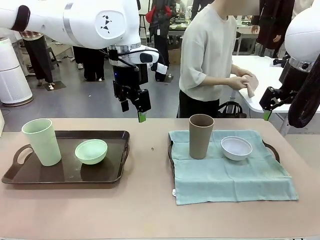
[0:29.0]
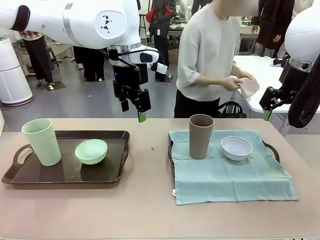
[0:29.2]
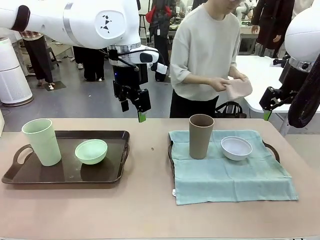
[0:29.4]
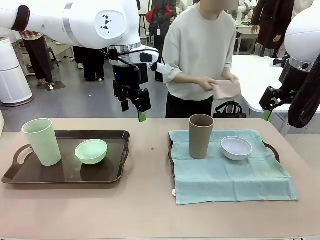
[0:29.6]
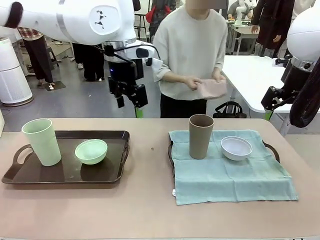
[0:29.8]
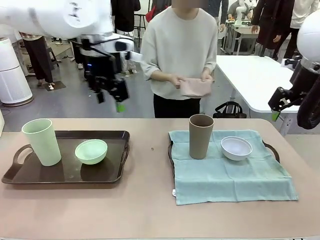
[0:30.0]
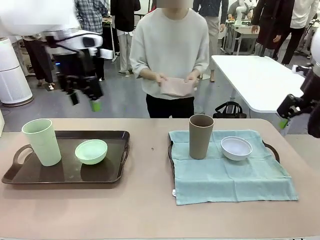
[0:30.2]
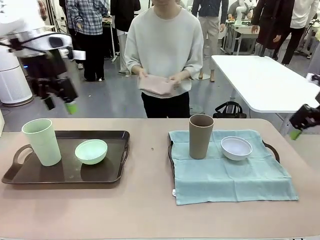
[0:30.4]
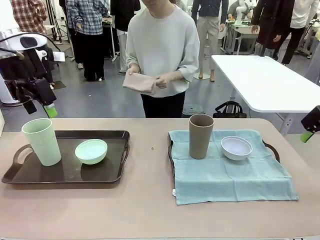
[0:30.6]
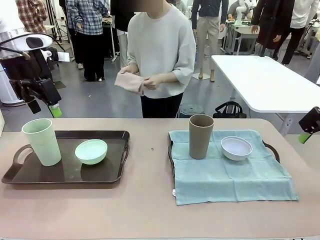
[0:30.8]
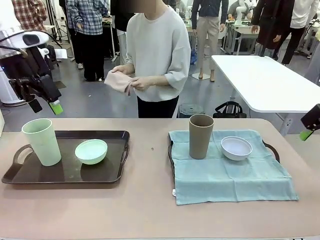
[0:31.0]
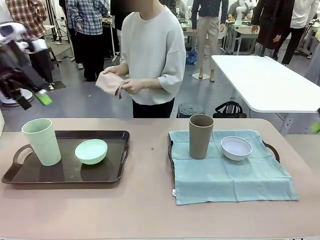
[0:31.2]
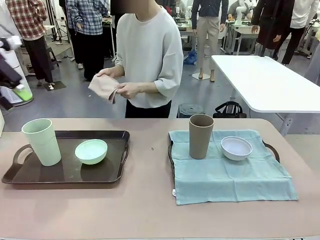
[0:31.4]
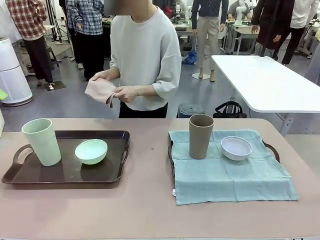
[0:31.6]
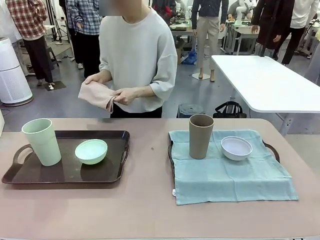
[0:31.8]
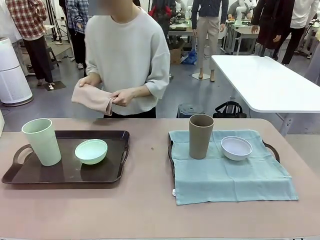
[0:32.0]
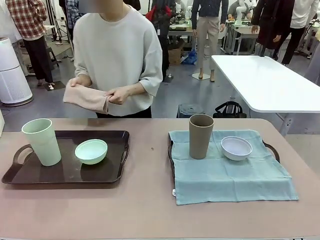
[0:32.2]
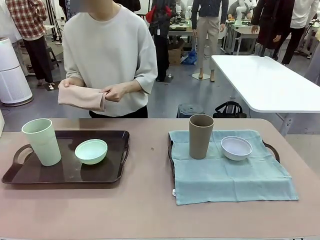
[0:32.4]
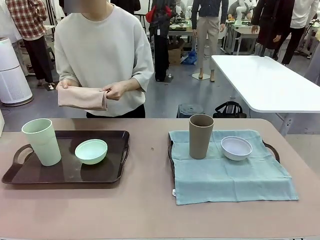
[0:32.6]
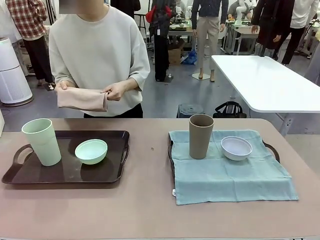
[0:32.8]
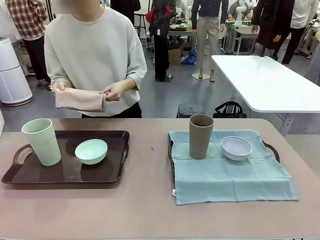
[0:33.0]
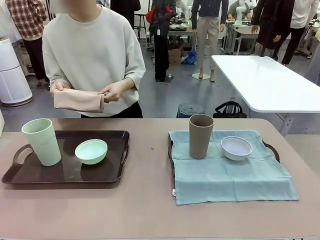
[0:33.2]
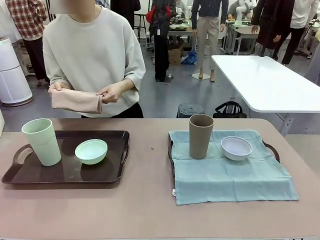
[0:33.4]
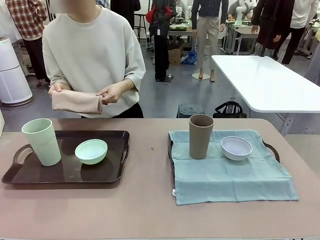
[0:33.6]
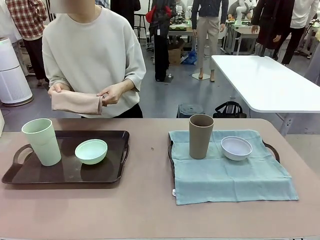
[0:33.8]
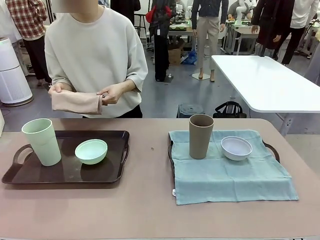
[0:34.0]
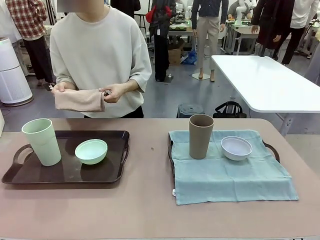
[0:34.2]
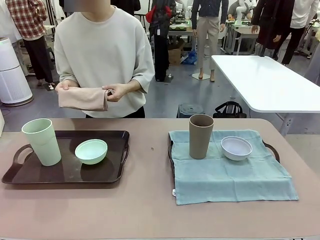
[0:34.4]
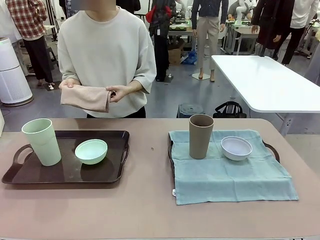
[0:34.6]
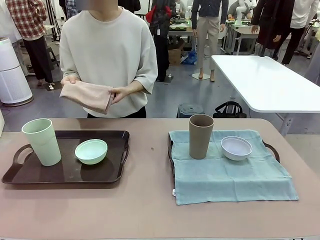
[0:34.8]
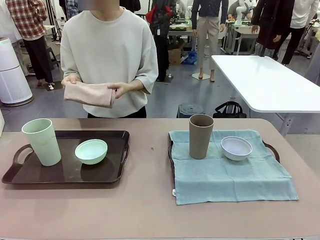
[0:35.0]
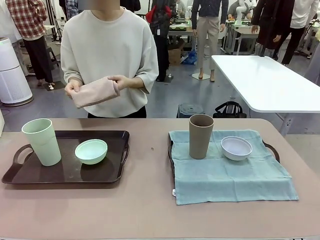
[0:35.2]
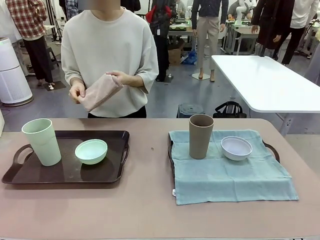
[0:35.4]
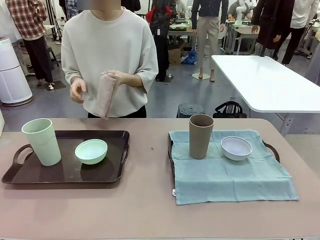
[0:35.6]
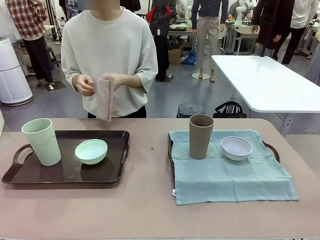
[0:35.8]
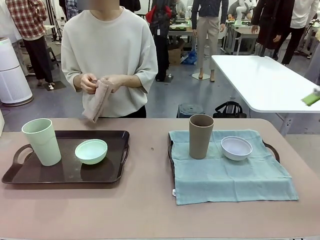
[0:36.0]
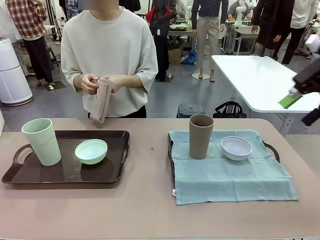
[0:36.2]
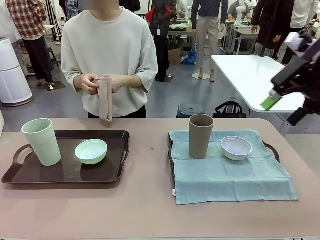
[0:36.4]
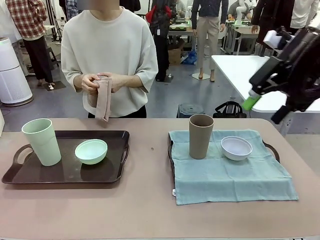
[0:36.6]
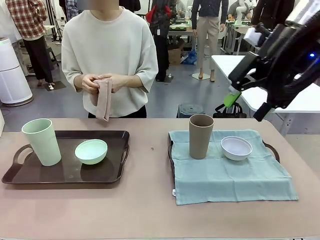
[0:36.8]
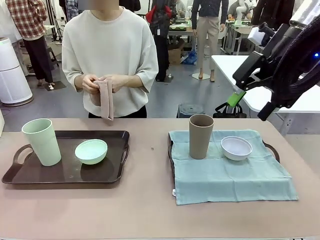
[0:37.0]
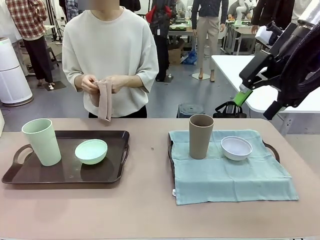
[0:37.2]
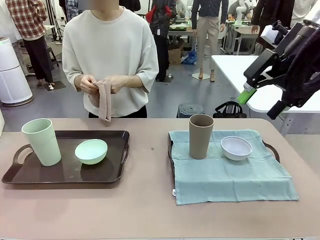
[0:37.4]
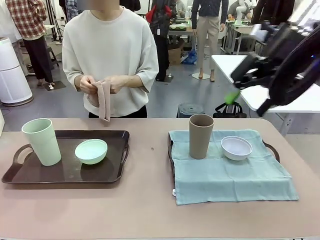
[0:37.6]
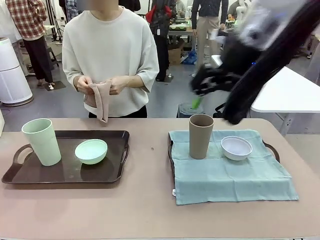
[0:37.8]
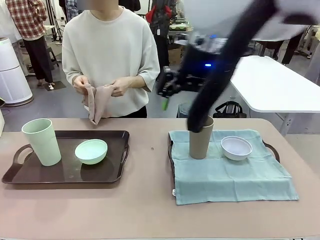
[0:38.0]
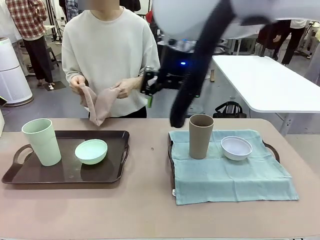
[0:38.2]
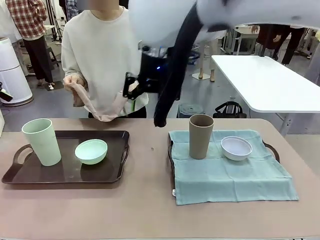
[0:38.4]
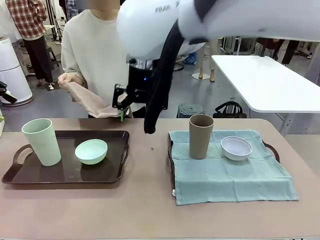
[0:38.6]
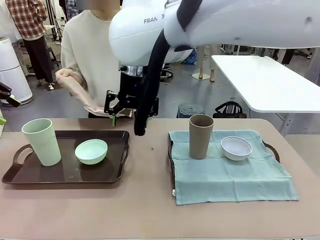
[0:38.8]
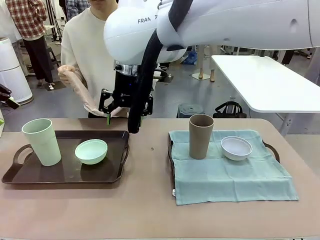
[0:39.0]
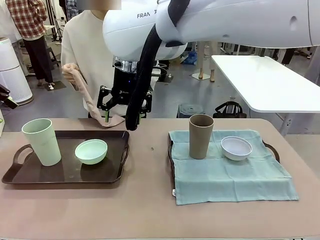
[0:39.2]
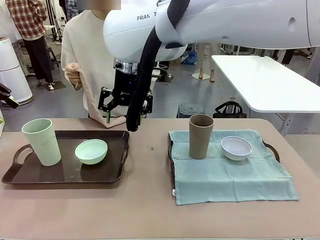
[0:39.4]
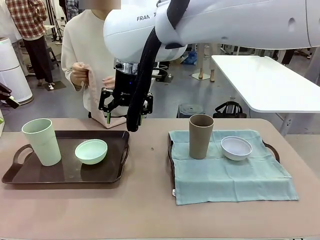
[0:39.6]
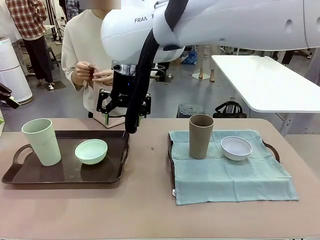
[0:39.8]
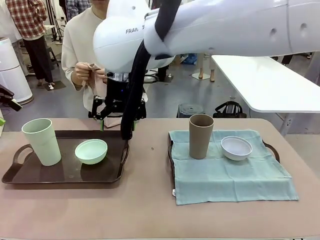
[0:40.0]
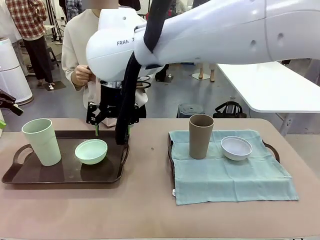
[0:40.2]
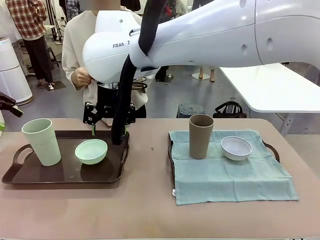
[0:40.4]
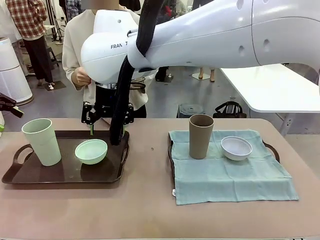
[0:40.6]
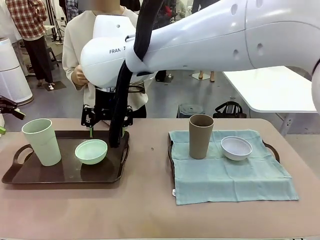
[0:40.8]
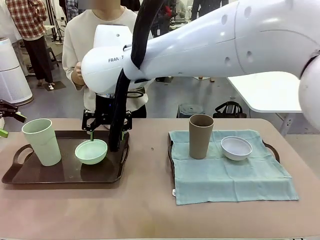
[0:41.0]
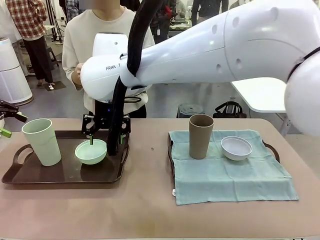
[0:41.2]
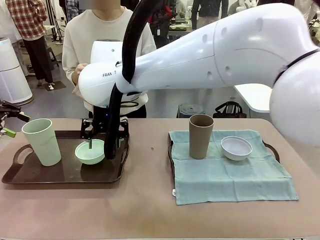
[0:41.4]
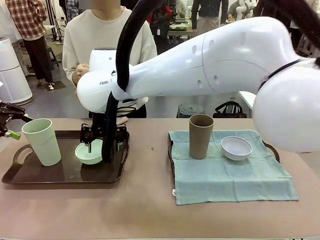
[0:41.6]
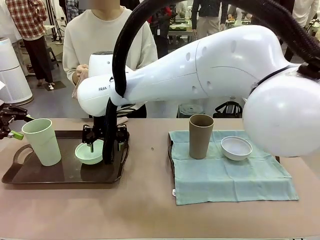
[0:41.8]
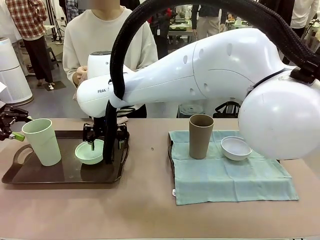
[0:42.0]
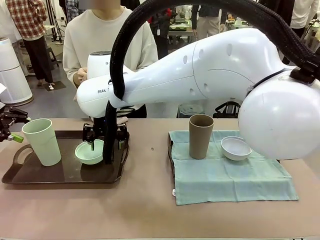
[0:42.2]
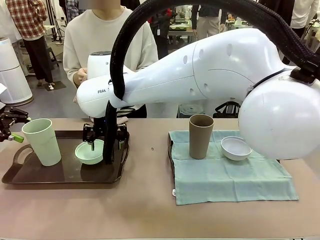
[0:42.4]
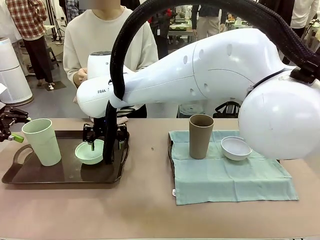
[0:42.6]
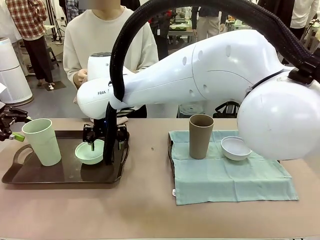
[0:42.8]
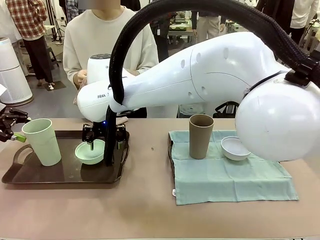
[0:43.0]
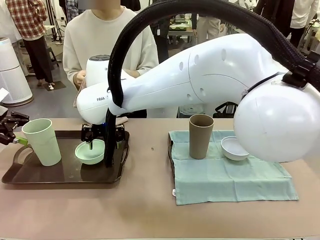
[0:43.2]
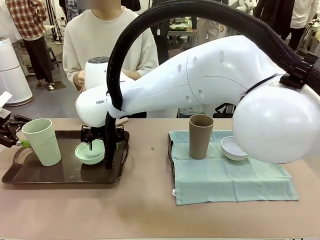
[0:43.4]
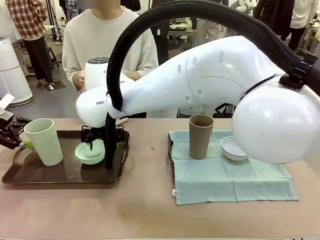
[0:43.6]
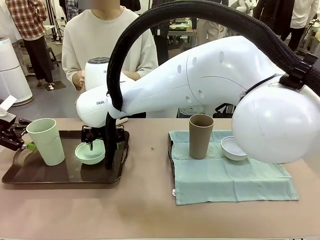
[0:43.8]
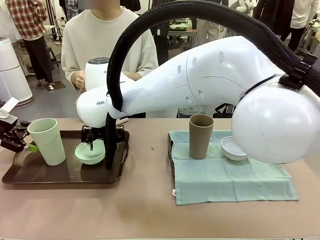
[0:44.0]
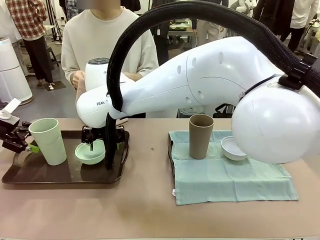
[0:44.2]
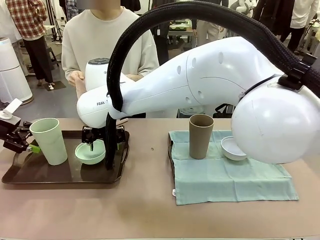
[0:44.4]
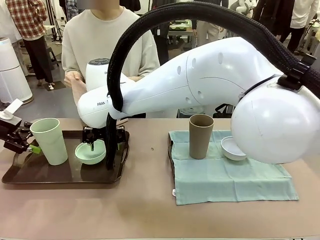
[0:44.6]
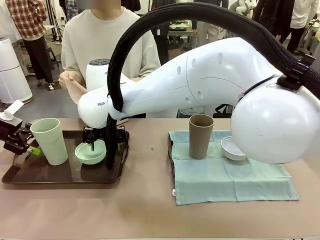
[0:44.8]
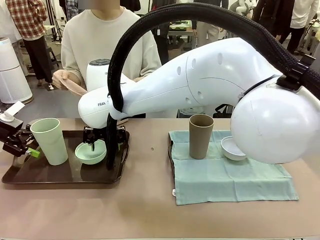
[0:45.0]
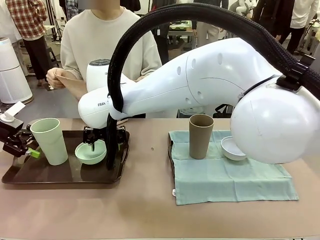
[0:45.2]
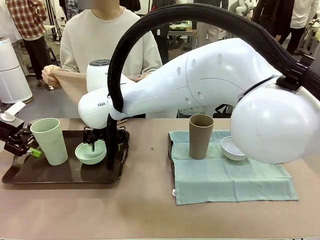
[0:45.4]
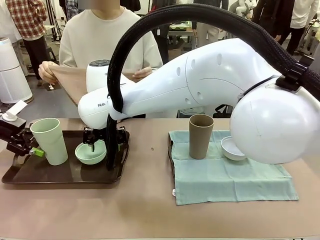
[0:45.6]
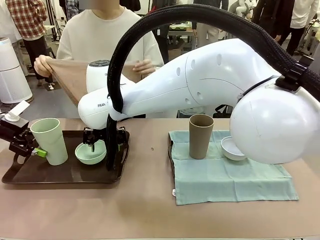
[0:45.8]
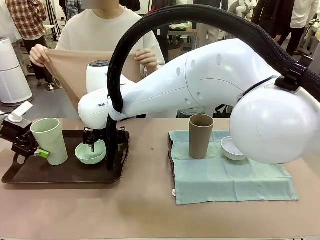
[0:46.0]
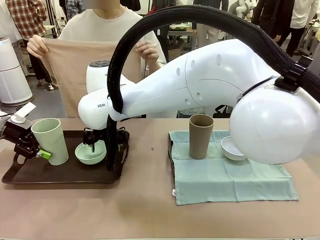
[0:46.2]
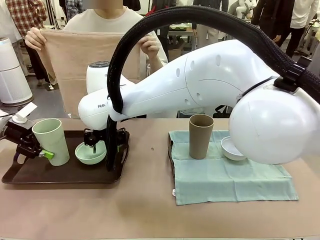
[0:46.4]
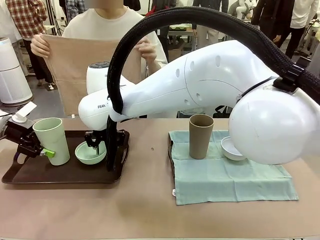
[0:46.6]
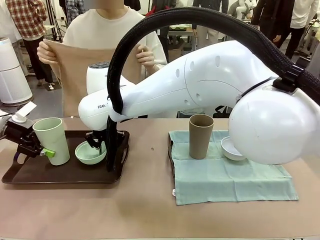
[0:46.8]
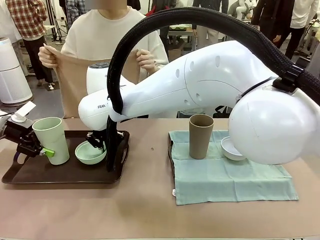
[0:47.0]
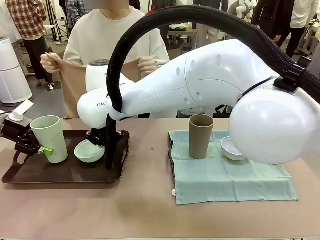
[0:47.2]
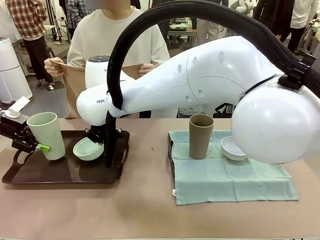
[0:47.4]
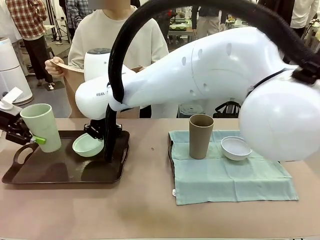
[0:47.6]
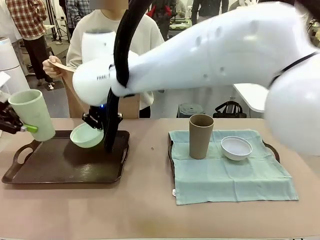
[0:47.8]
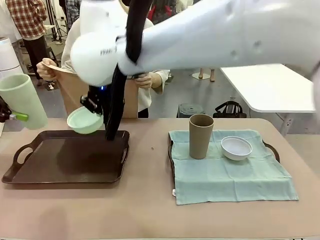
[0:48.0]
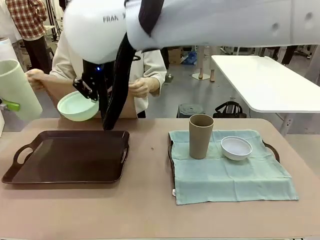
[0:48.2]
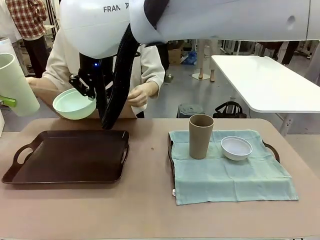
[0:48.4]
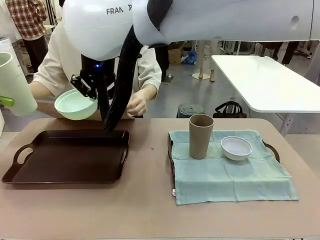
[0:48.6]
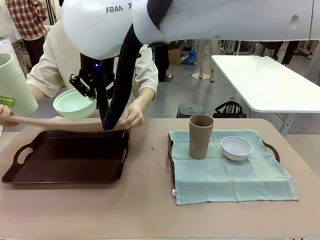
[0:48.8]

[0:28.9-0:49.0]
Robot: Pick up the Picnic Bowl and Reusable plastic cup from the Handle tray in front of the human's position and hold them in the air.
Person: When the robot lifts the bowl and the cup, the human unfolds the napkin and lays the napkin flat on the tray.
